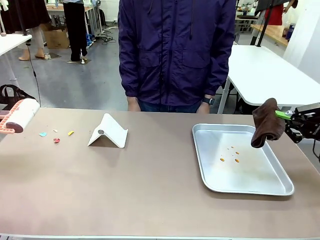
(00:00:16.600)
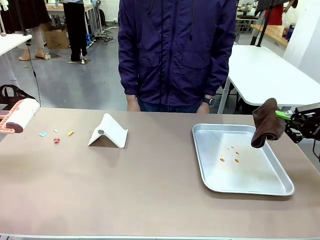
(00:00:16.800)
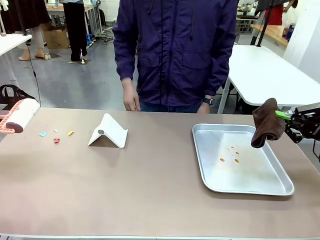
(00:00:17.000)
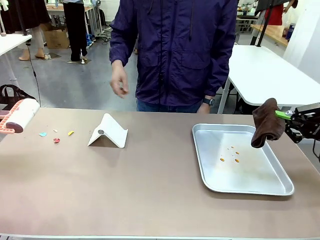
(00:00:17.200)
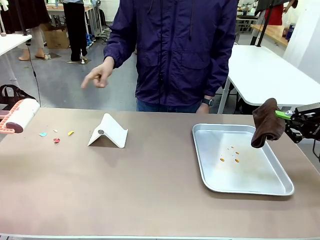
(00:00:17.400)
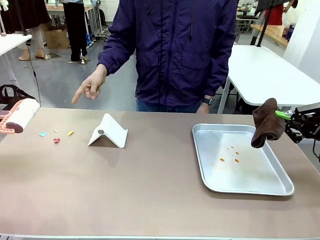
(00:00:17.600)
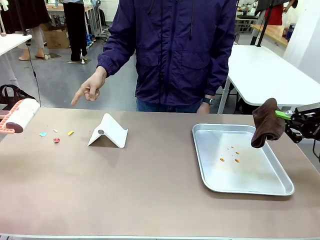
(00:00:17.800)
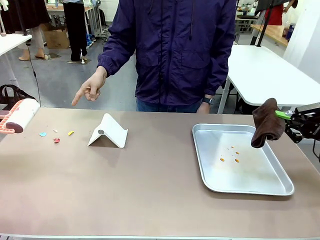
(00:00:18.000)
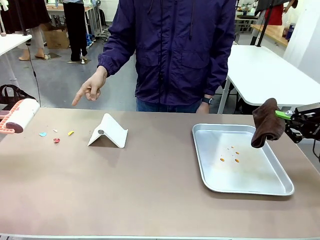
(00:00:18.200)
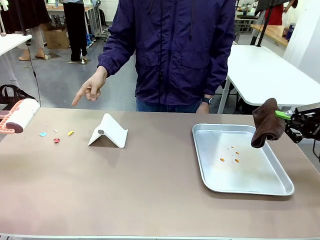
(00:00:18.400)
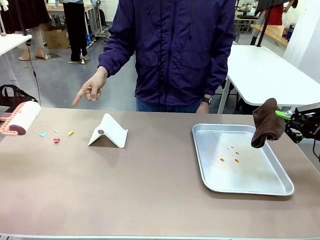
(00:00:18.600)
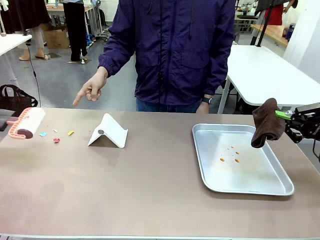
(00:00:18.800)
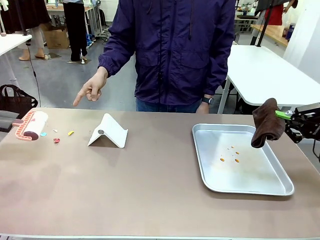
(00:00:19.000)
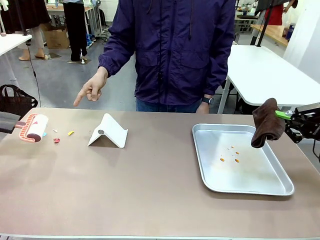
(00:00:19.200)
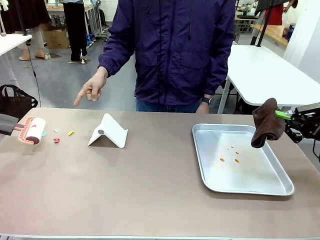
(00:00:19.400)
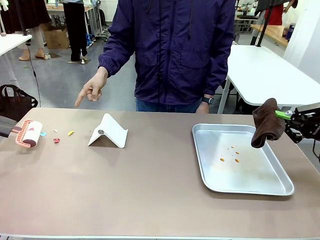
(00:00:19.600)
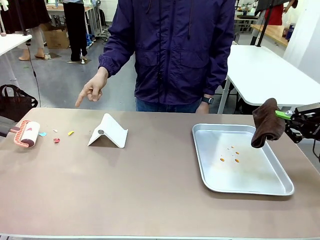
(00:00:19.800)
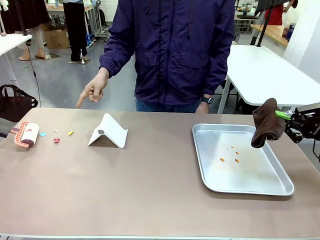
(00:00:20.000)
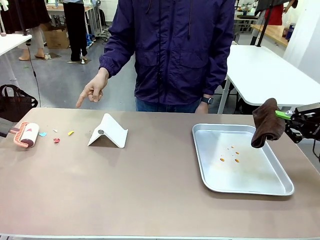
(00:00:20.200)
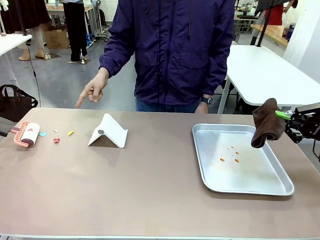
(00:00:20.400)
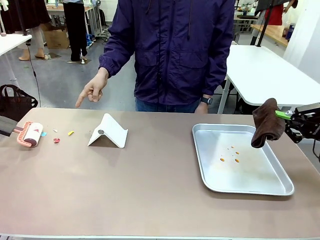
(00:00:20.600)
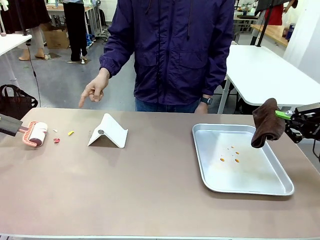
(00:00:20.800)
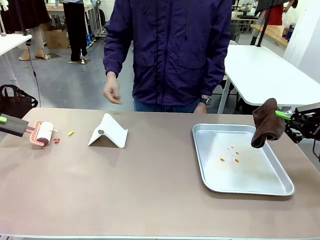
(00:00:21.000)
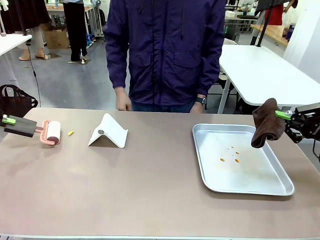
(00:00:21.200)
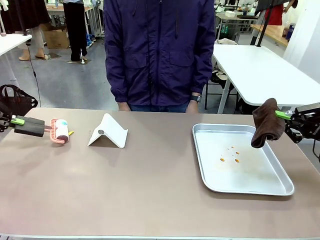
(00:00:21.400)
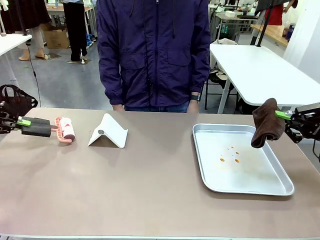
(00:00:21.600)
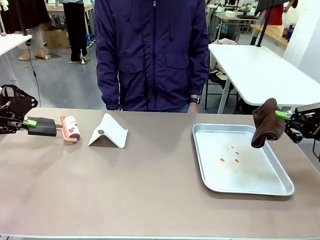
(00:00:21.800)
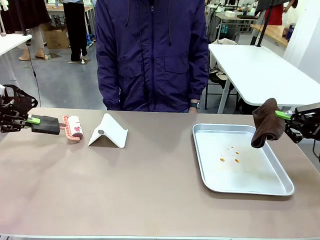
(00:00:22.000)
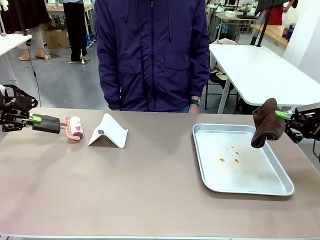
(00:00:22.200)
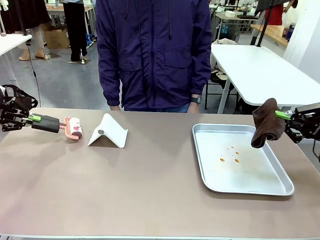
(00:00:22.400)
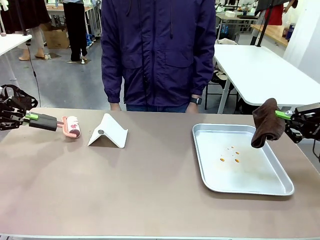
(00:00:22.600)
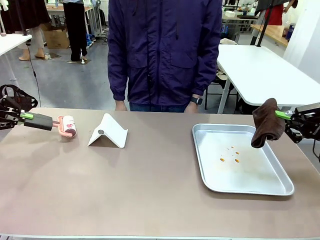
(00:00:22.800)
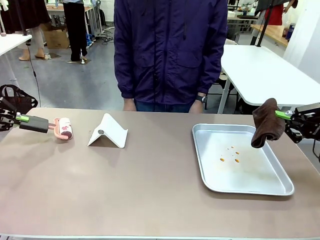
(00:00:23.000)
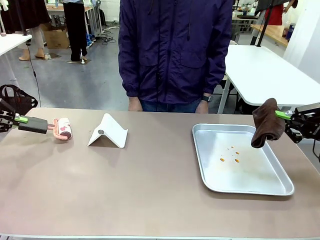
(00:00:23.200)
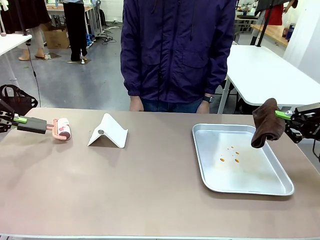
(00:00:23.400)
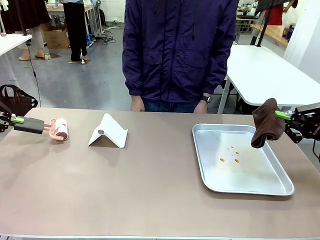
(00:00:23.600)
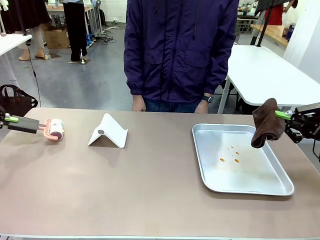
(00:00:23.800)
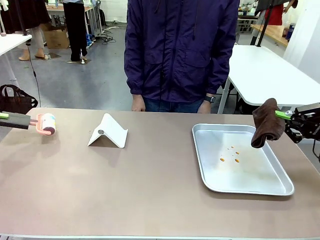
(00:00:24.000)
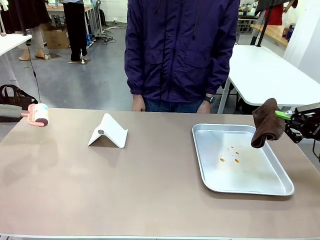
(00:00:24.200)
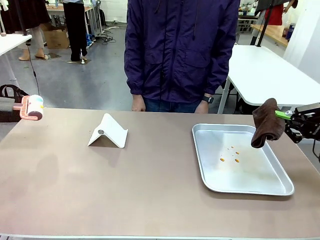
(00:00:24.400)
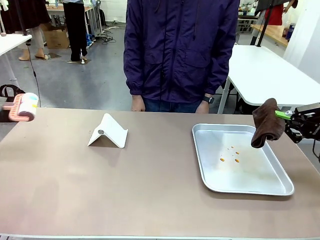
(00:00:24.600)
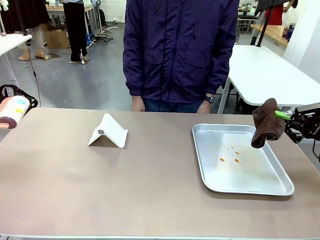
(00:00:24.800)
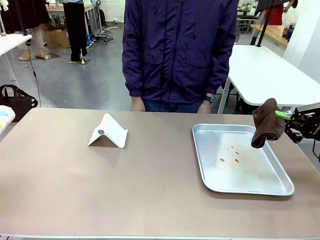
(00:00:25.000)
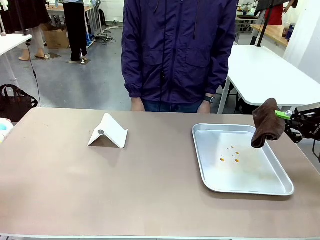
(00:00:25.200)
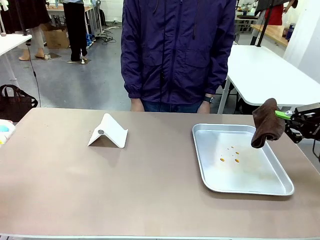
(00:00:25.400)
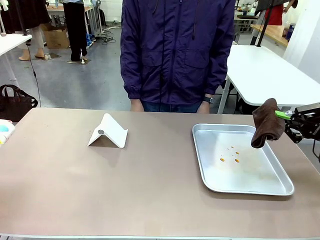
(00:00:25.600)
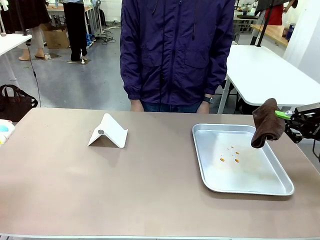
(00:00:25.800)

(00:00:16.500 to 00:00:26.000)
Task: Clean the surface of the table.
Robot: If a person points to the right, clean the right side of the table with your right hand, and if they point to the left, clean the left side with your left hand.

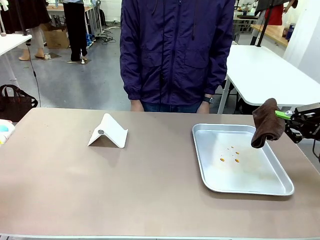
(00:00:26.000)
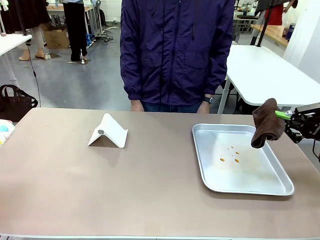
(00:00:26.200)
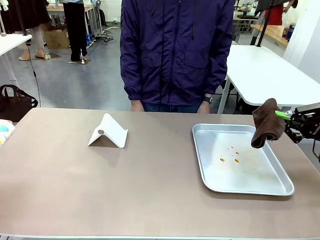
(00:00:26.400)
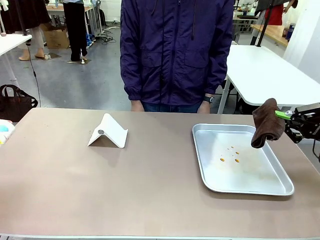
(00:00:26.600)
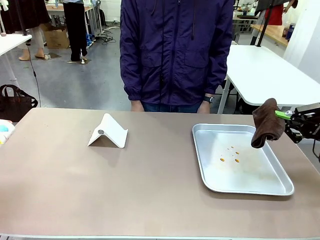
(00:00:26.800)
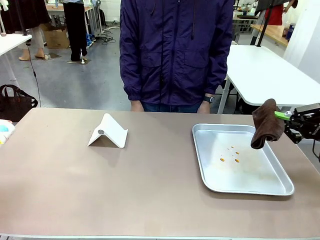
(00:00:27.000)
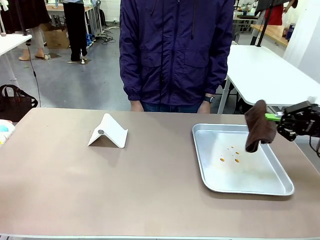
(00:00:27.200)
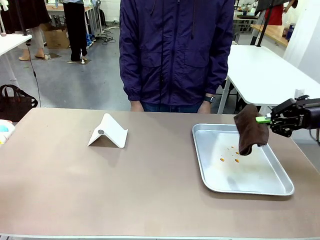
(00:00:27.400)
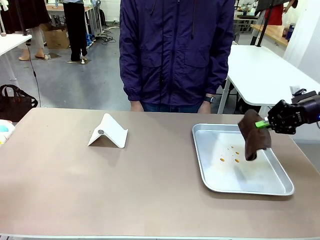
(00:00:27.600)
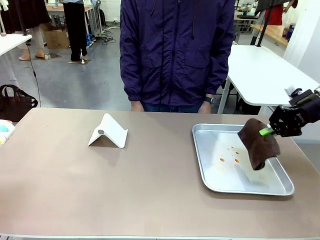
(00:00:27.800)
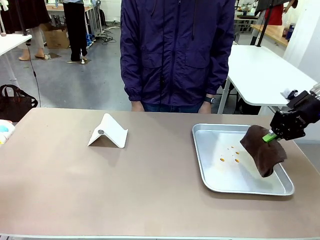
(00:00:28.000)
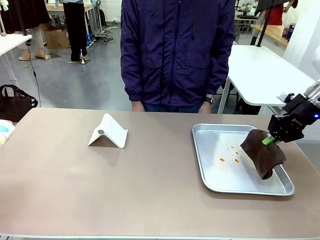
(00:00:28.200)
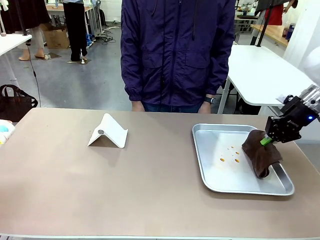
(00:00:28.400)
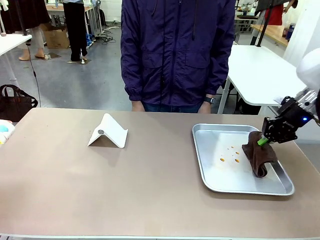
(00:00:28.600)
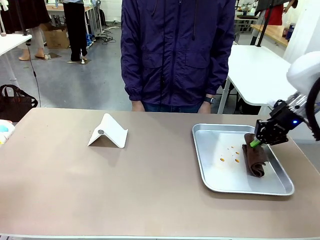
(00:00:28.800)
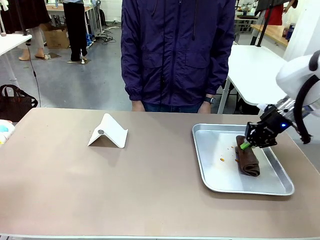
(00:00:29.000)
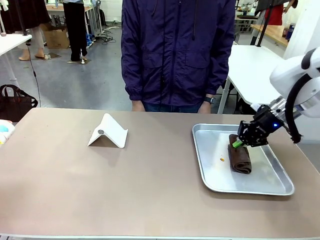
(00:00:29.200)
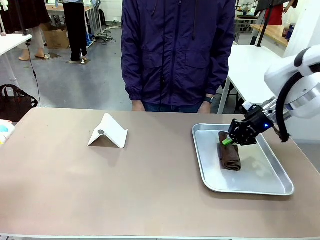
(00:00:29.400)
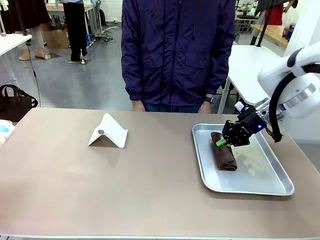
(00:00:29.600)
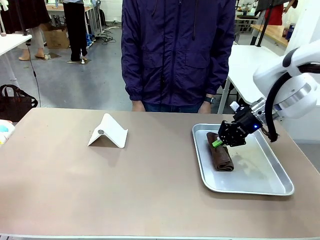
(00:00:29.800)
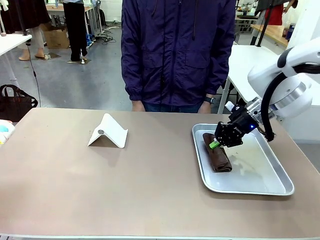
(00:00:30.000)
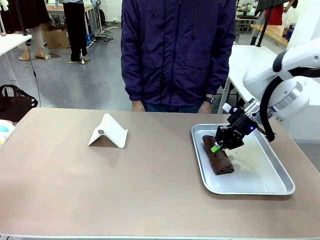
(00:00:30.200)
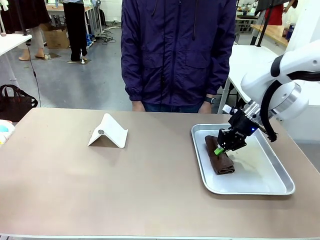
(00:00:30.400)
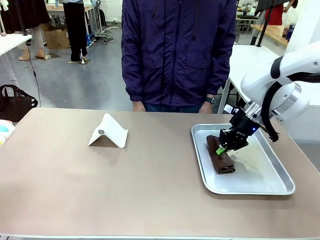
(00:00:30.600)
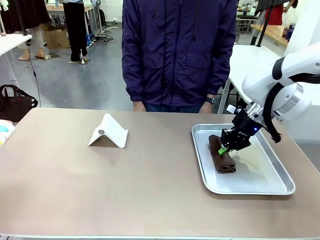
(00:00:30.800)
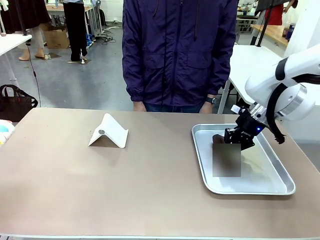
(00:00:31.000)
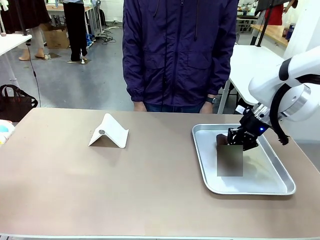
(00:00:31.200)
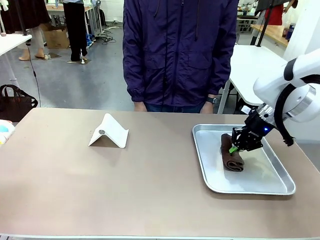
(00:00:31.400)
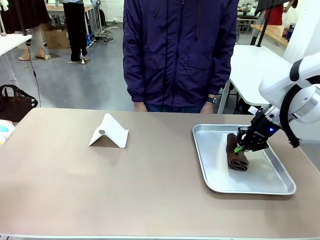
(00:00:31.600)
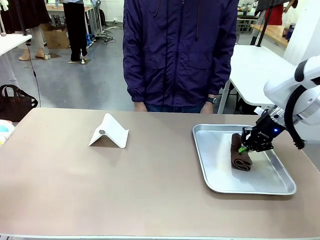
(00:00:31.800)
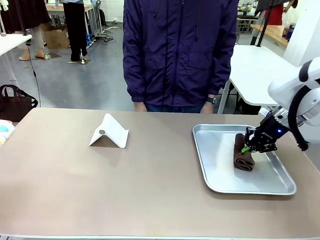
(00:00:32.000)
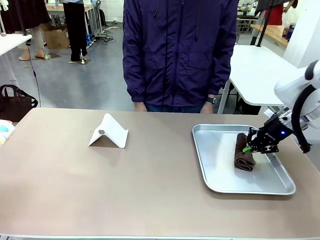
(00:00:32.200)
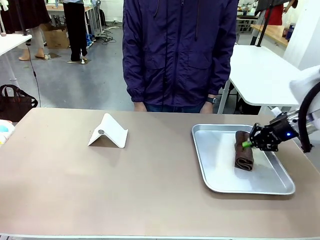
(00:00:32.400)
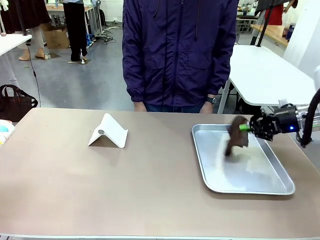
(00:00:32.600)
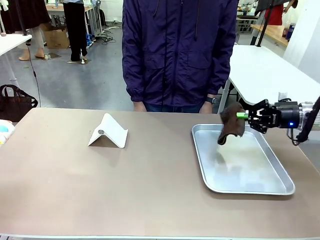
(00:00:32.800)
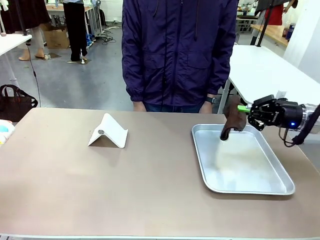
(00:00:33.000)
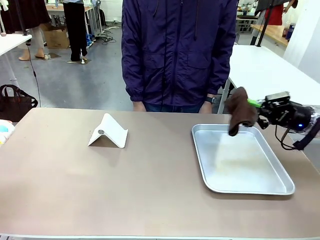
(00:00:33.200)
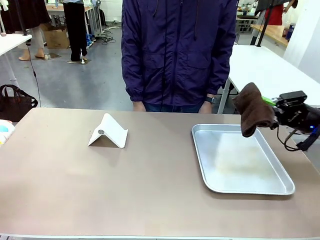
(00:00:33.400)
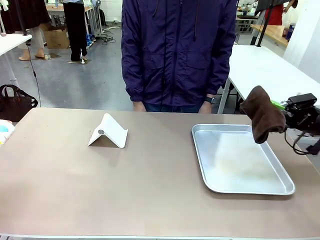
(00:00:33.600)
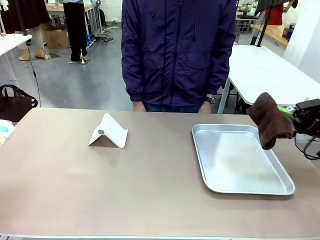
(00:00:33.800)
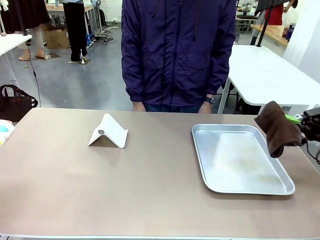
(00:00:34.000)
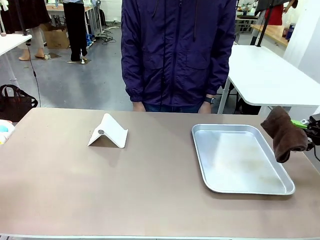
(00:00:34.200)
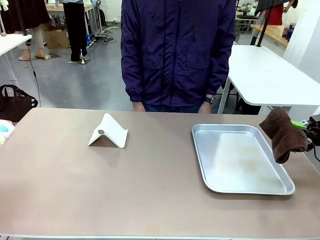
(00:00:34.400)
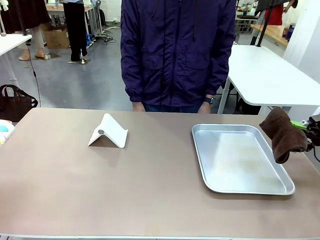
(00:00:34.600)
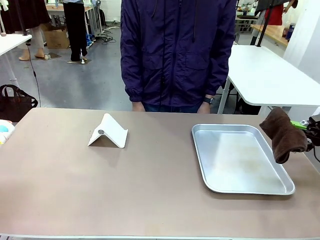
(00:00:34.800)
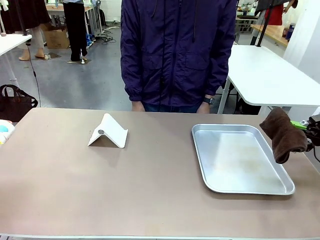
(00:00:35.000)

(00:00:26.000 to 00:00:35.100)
Robot: Clean the area not pointed to by the person.
